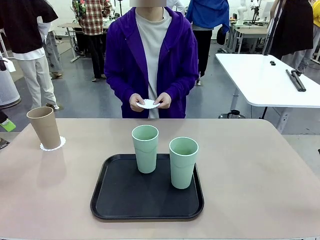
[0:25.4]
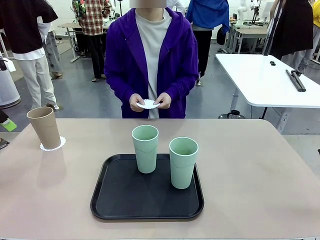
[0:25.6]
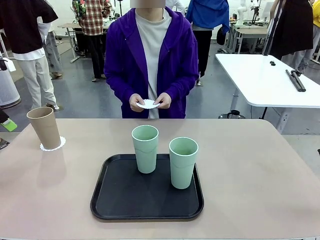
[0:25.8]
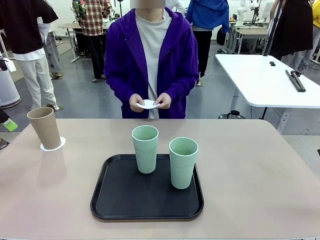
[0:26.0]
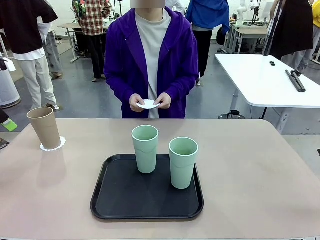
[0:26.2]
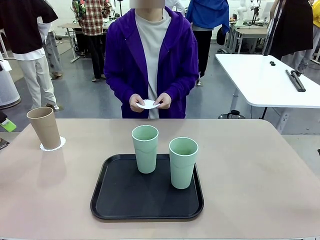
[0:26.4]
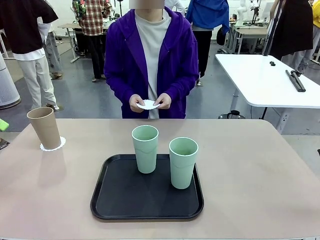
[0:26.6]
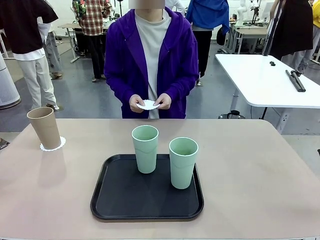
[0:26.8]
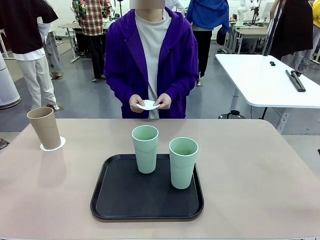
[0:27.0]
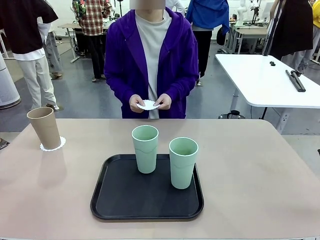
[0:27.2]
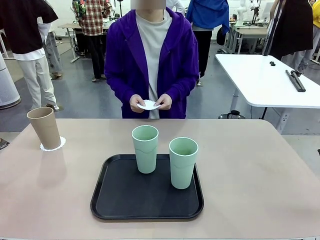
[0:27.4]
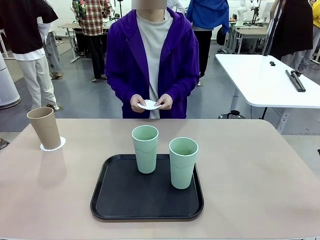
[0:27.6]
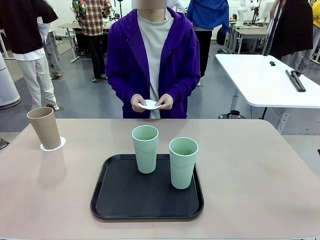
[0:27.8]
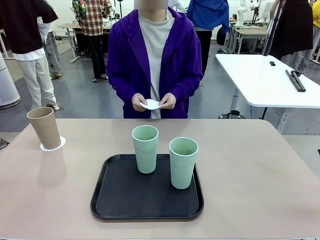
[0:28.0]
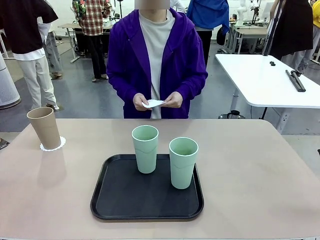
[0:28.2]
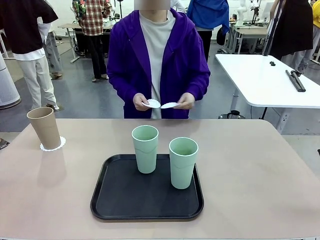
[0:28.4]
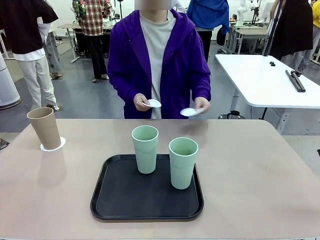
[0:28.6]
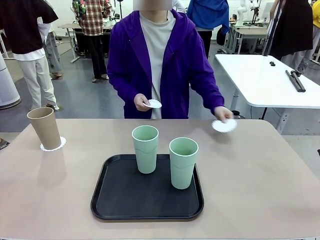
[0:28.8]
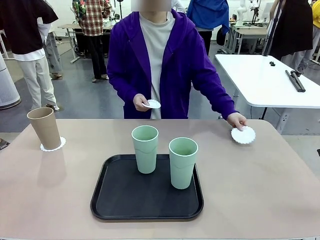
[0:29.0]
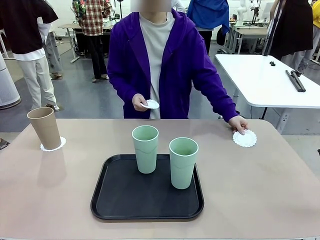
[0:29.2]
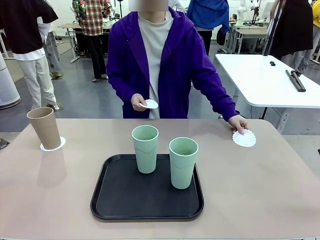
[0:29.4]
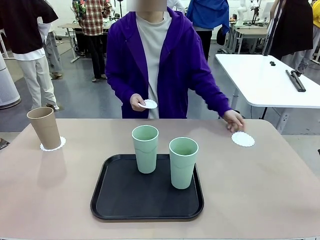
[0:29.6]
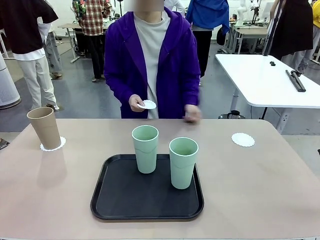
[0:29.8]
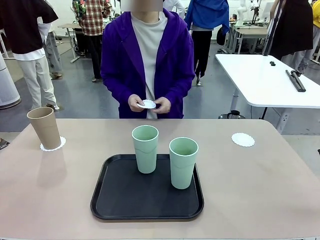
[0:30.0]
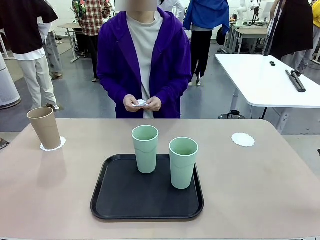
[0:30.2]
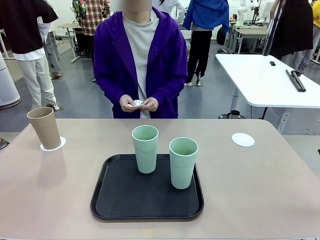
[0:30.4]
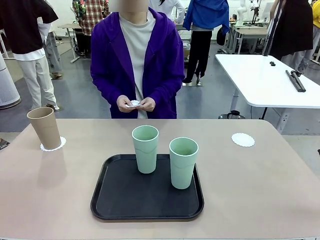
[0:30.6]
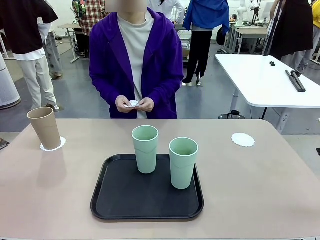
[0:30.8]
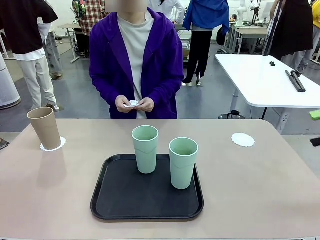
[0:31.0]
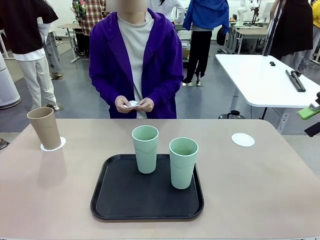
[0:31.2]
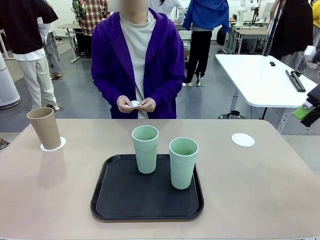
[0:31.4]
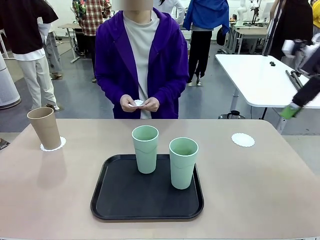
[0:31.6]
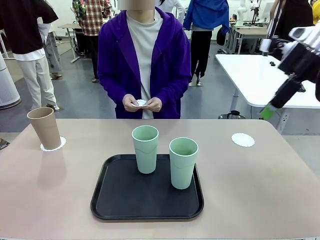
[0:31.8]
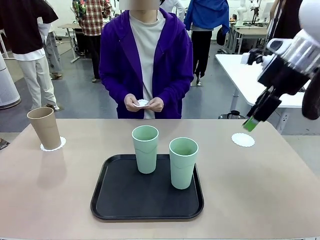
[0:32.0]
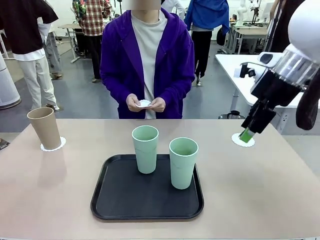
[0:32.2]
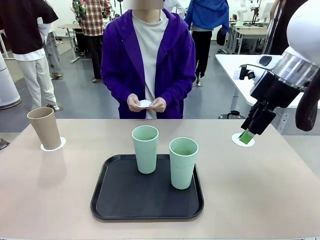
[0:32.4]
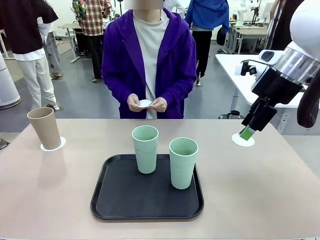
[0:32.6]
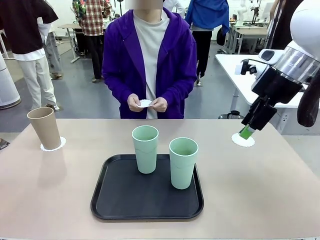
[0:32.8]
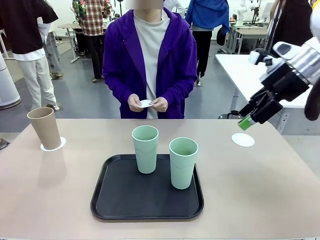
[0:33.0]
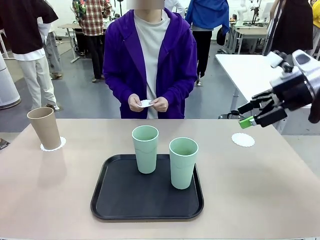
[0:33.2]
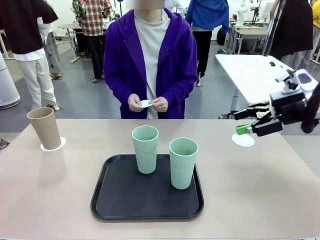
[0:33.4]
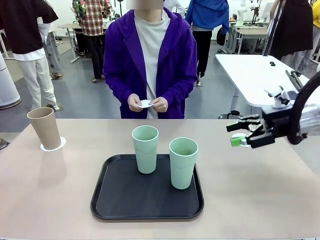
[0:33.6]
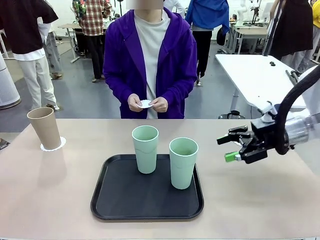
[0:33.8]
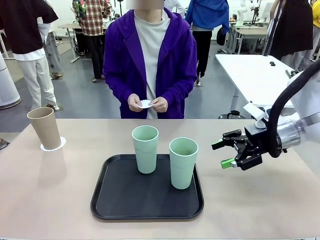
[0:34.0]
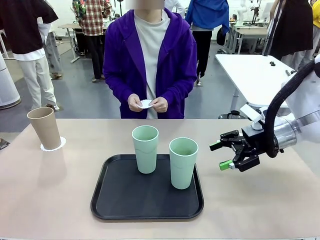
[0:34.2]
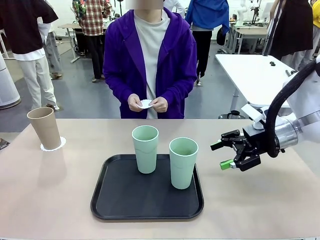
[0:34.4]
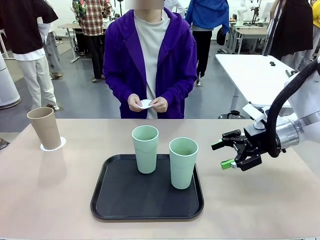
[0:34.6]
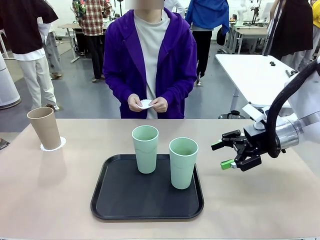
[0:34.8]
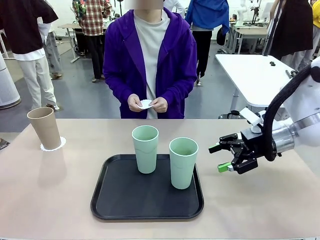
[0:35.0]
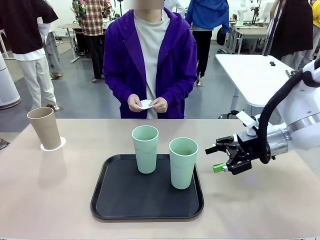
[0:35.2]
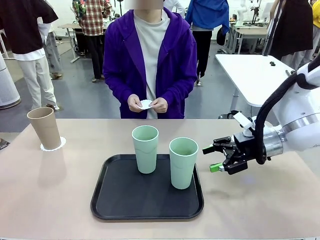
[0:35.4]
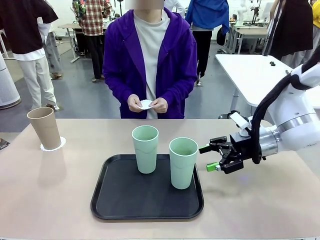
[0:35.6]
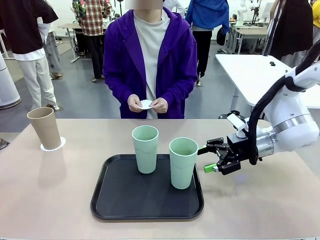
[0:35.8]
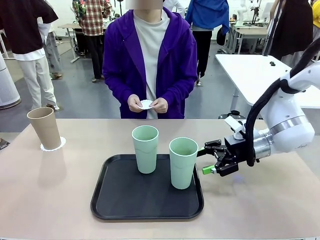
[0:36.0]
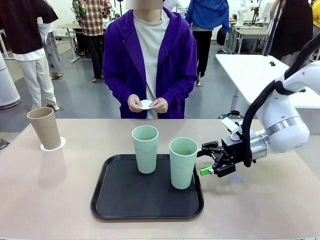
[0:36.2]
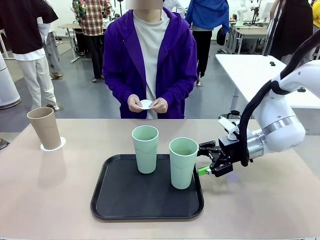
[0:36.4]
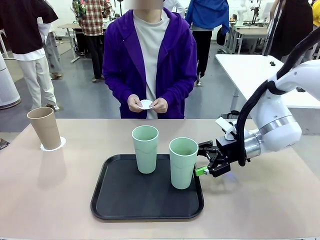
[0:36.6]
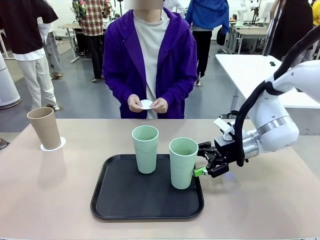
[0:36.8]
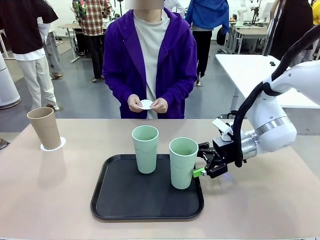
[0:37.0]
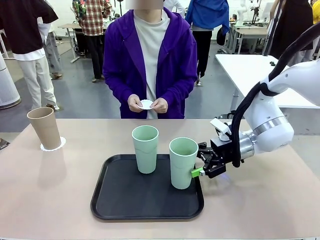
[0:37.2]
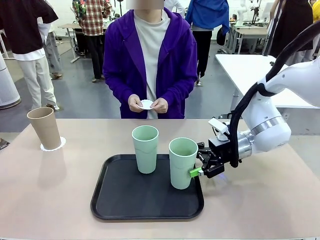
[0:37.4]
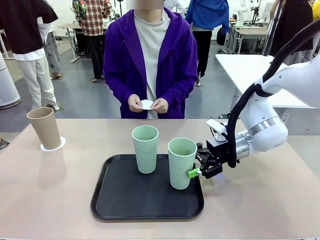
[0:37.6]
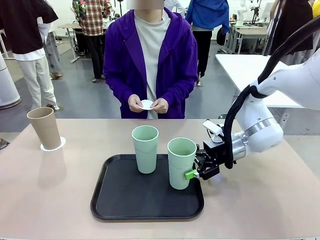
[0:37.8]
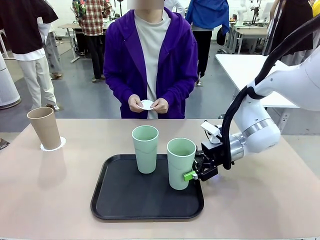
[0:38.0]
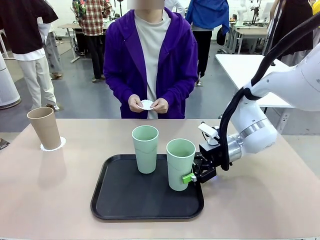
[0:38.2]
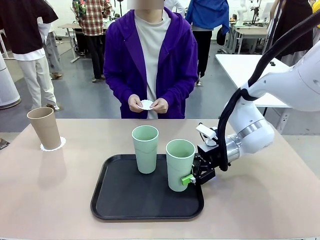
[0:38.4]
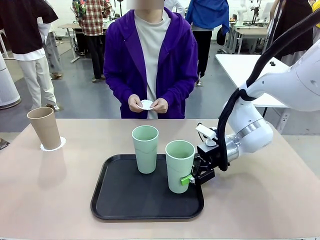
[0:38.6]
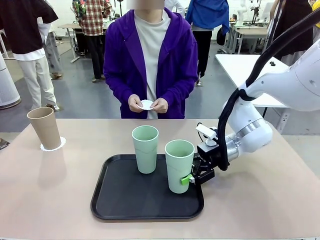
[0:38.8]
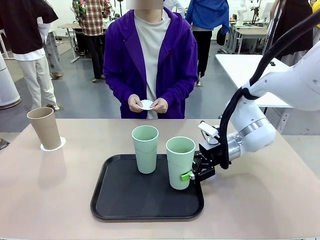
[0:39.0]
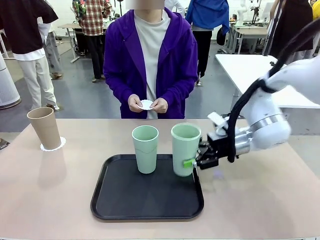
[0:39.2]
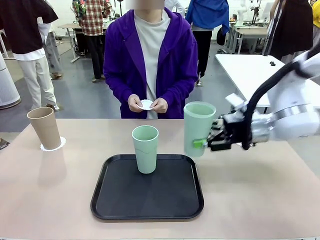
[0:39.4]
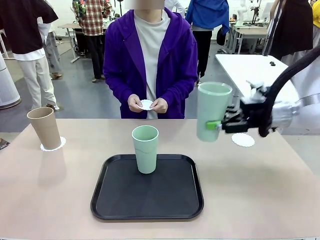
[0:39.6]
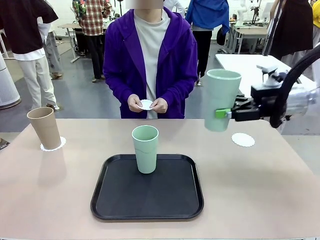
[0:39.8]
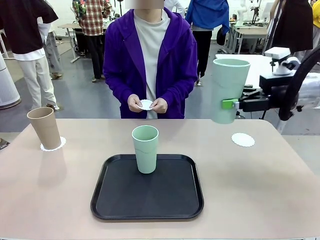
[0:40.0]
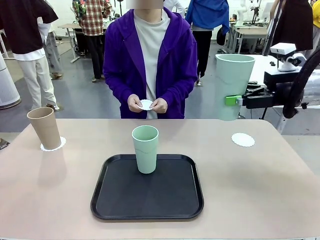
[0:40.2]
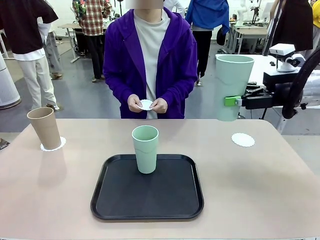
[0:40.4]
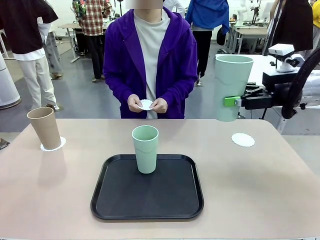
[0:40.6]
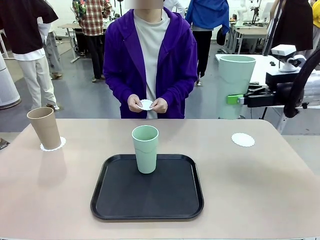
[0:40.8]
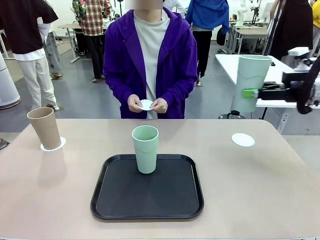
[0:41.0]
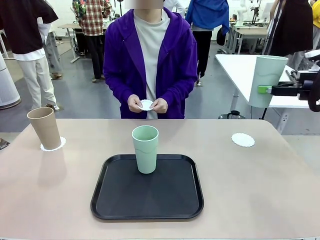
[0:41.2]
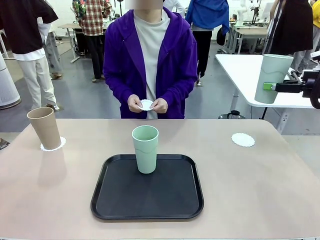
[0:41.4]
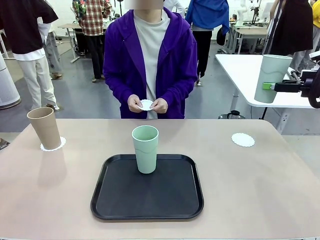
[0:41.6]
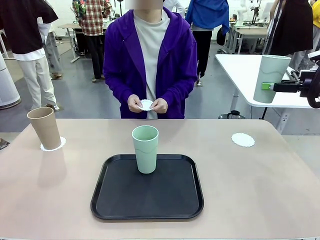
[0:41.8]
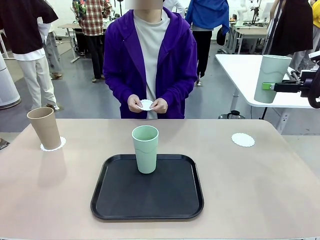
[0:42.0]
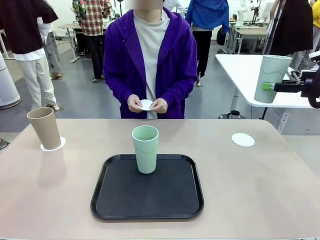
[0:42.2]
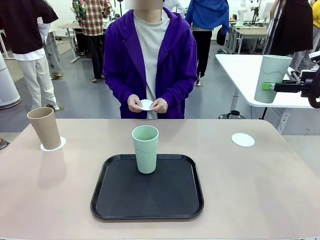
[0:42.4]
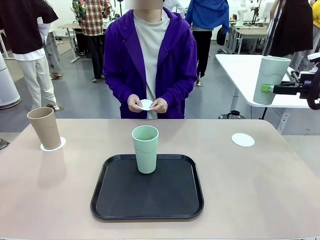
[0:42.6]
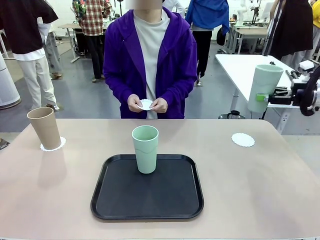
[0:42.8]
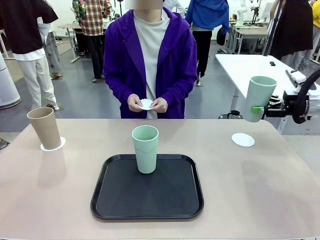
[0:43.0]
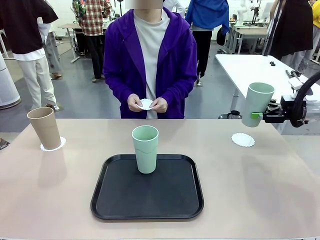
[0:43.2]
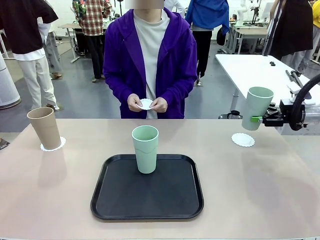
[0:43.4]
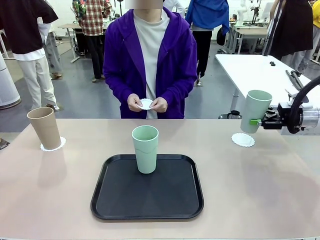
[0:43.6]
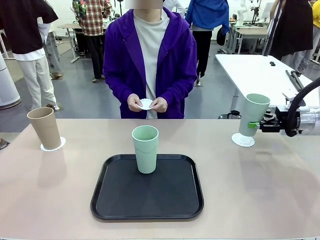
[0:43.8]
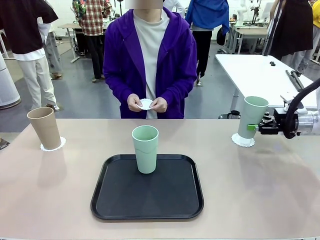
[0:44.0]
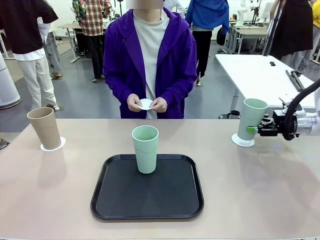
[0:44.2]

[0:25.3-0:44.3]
Task: Place coasters on the table and set cups on them.
Robot: Take one Reusable plastic cup from the Flat Tray and place it on a coaster set by the human.
